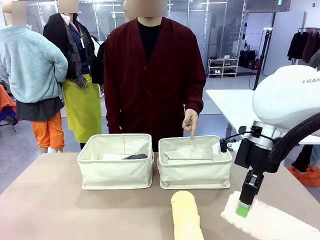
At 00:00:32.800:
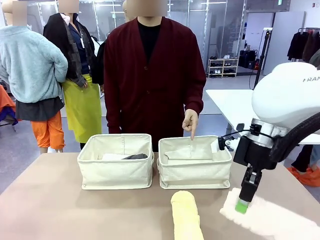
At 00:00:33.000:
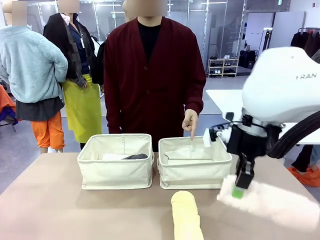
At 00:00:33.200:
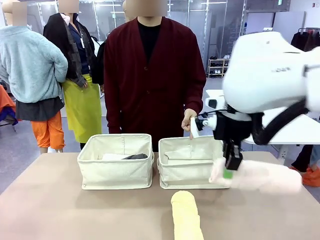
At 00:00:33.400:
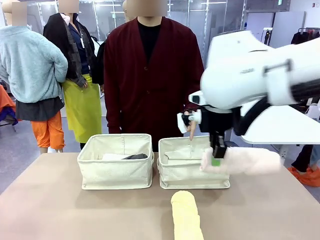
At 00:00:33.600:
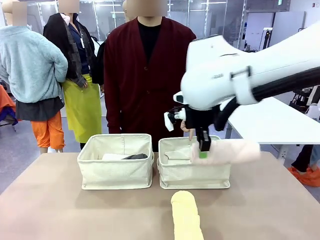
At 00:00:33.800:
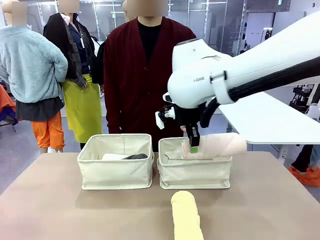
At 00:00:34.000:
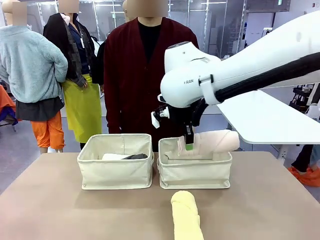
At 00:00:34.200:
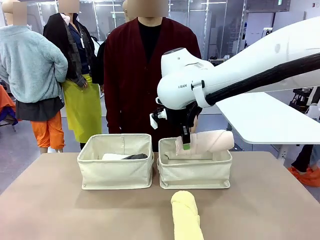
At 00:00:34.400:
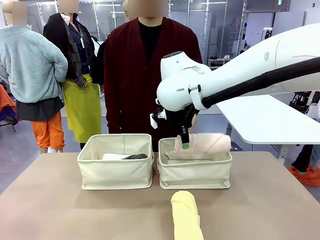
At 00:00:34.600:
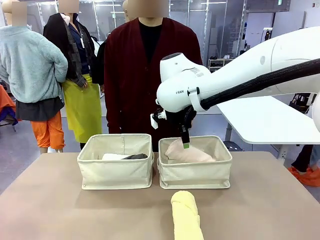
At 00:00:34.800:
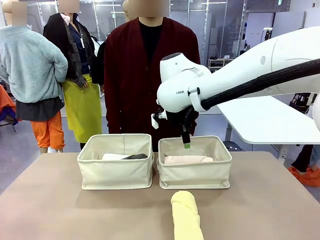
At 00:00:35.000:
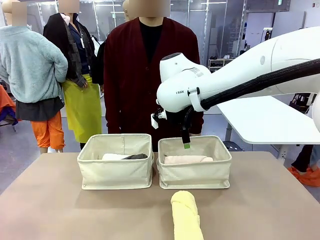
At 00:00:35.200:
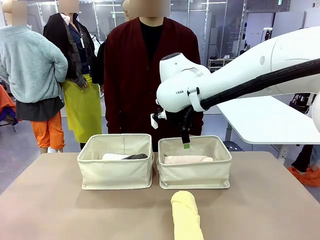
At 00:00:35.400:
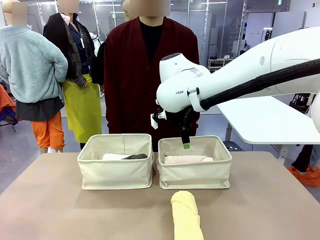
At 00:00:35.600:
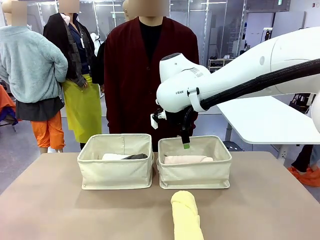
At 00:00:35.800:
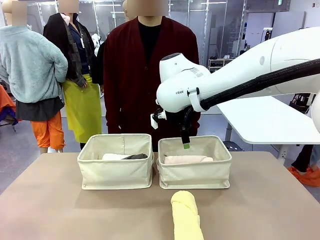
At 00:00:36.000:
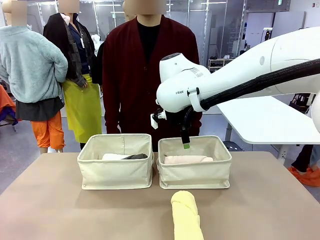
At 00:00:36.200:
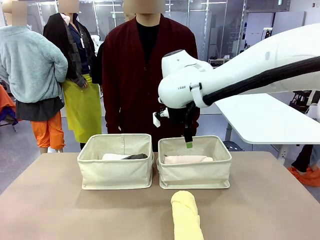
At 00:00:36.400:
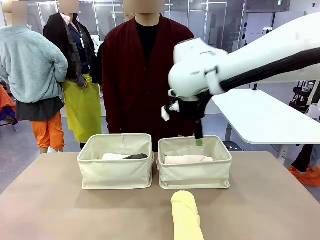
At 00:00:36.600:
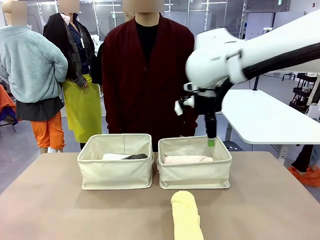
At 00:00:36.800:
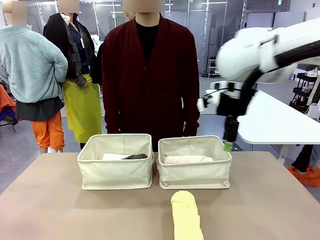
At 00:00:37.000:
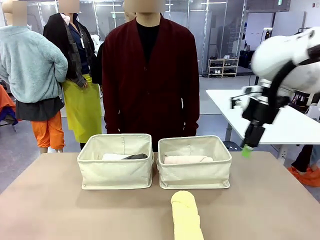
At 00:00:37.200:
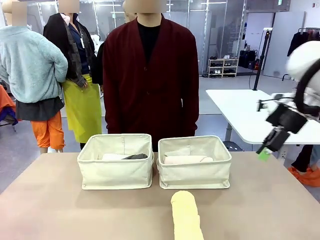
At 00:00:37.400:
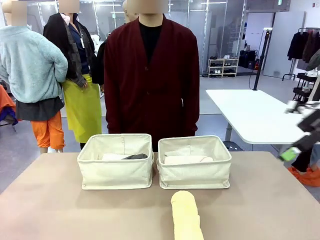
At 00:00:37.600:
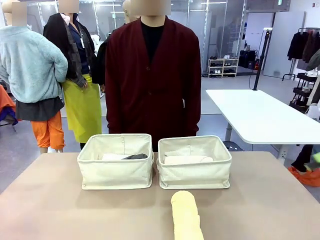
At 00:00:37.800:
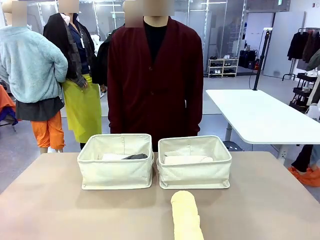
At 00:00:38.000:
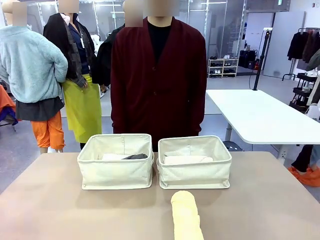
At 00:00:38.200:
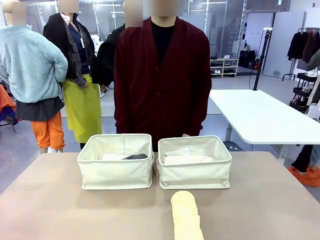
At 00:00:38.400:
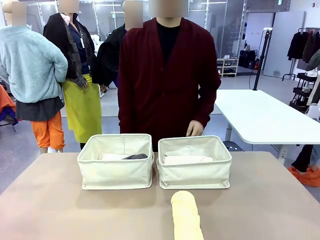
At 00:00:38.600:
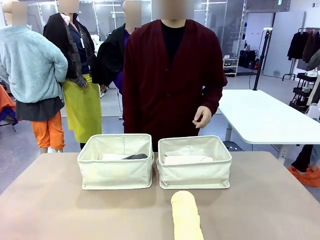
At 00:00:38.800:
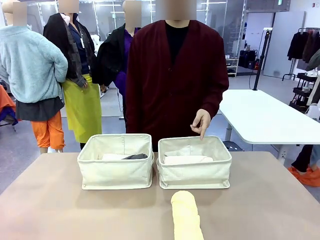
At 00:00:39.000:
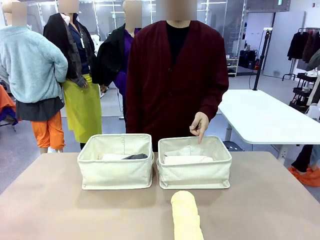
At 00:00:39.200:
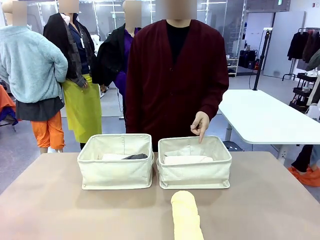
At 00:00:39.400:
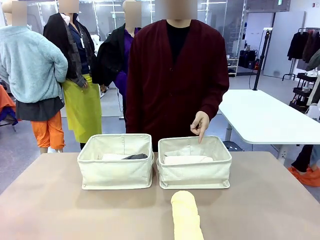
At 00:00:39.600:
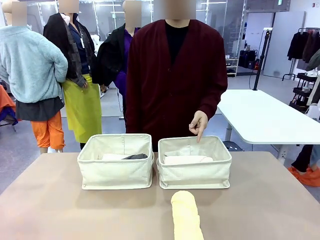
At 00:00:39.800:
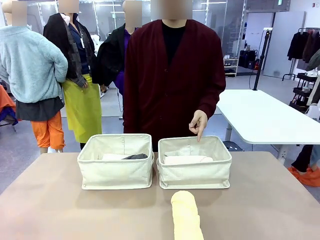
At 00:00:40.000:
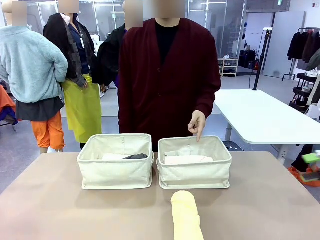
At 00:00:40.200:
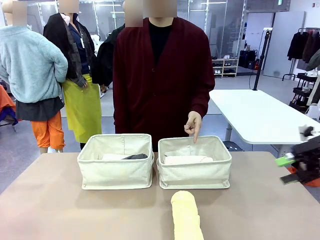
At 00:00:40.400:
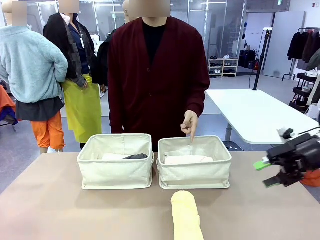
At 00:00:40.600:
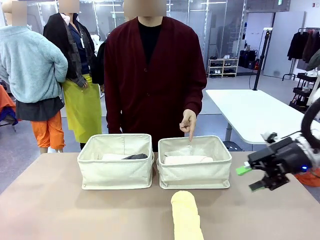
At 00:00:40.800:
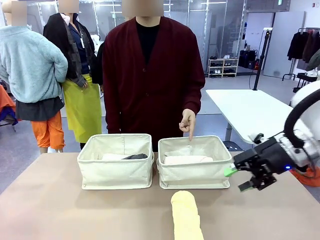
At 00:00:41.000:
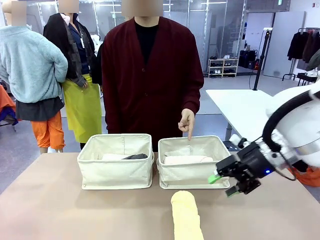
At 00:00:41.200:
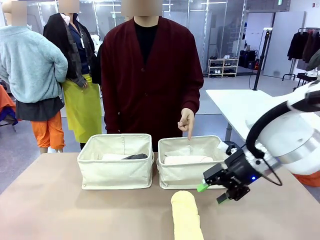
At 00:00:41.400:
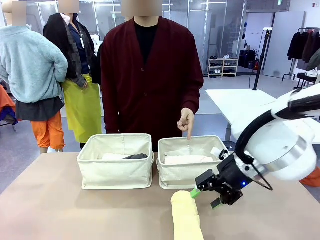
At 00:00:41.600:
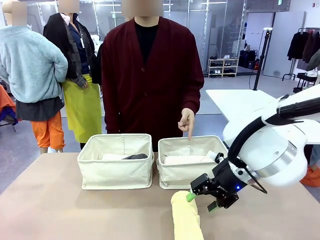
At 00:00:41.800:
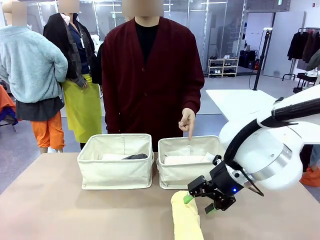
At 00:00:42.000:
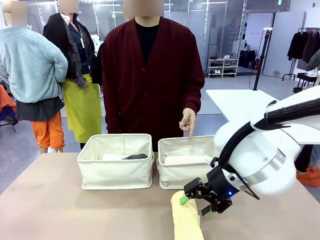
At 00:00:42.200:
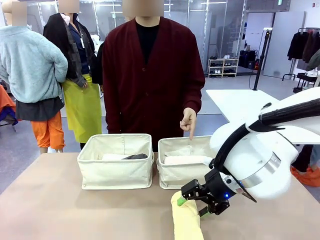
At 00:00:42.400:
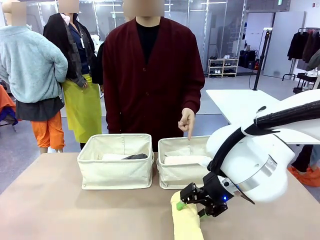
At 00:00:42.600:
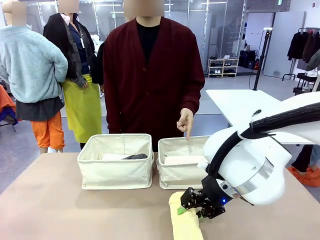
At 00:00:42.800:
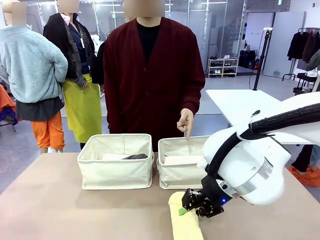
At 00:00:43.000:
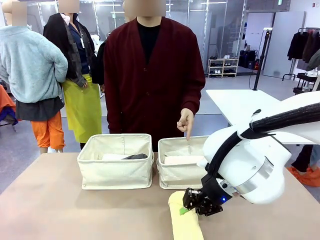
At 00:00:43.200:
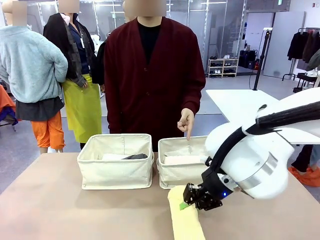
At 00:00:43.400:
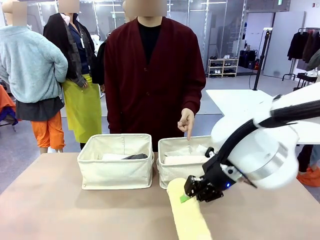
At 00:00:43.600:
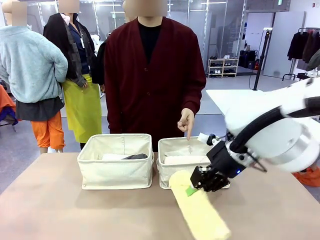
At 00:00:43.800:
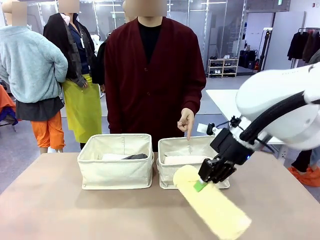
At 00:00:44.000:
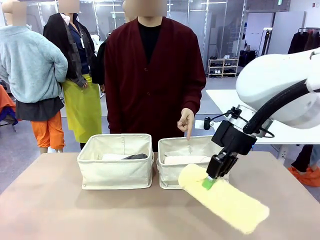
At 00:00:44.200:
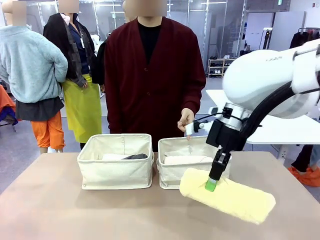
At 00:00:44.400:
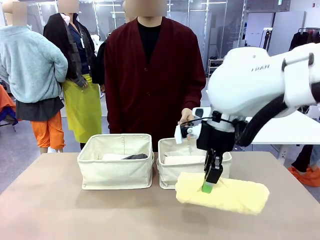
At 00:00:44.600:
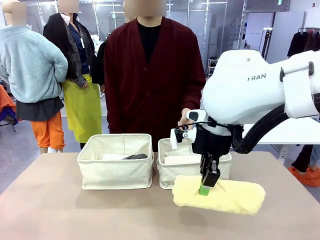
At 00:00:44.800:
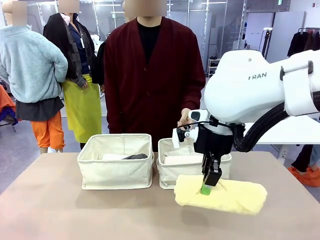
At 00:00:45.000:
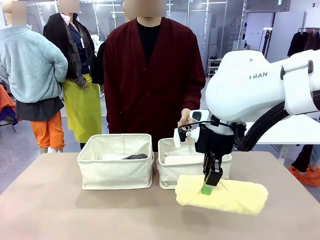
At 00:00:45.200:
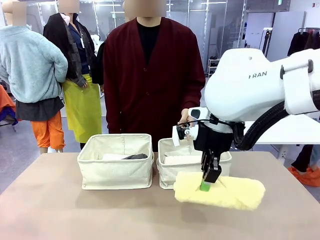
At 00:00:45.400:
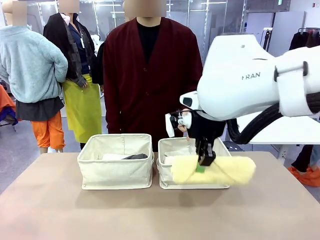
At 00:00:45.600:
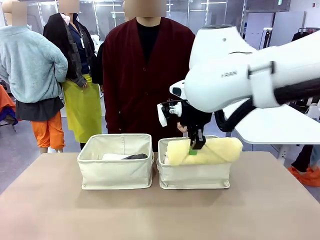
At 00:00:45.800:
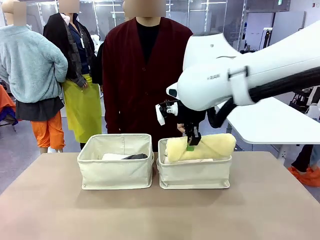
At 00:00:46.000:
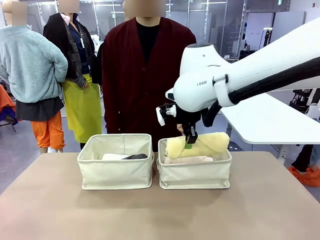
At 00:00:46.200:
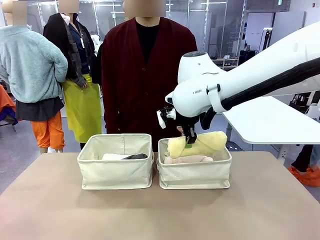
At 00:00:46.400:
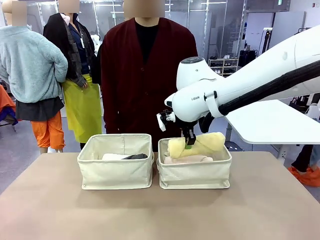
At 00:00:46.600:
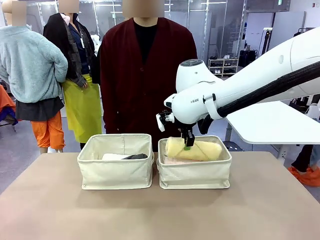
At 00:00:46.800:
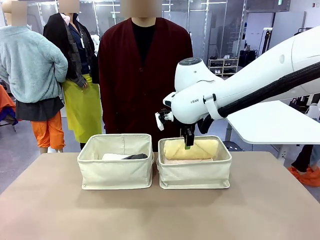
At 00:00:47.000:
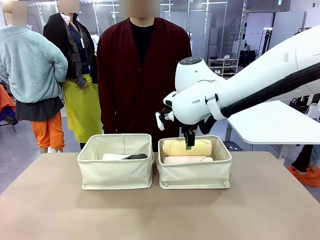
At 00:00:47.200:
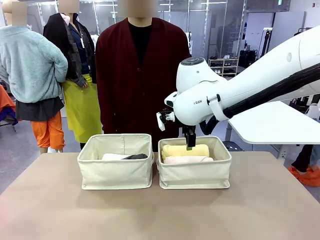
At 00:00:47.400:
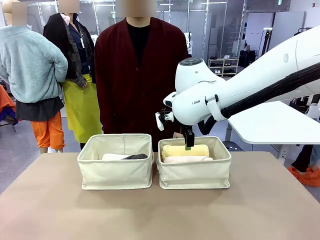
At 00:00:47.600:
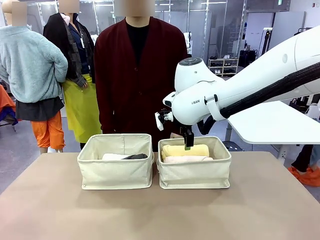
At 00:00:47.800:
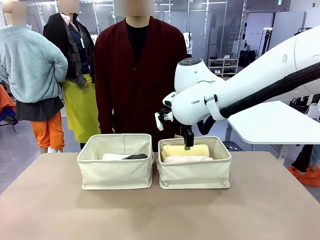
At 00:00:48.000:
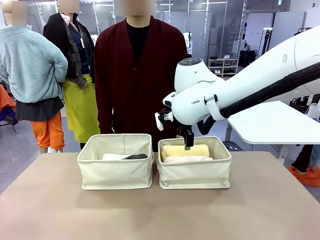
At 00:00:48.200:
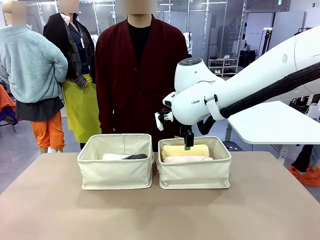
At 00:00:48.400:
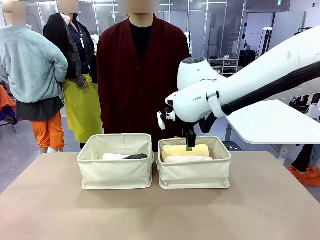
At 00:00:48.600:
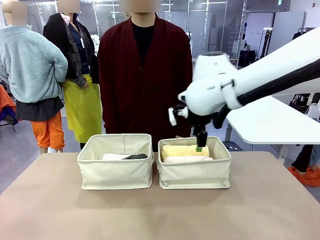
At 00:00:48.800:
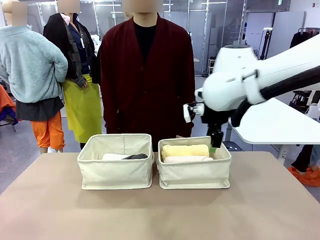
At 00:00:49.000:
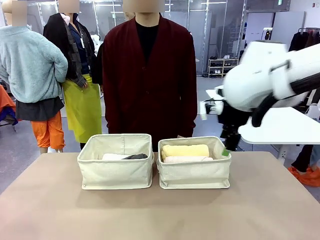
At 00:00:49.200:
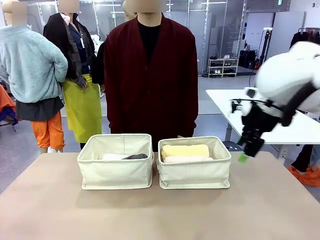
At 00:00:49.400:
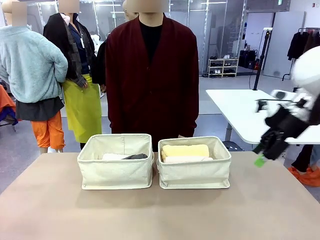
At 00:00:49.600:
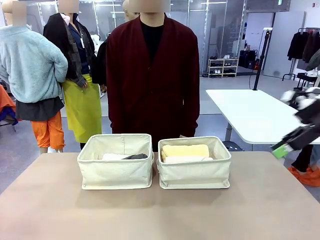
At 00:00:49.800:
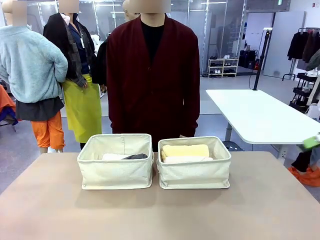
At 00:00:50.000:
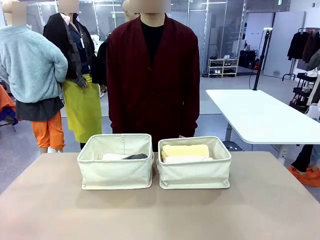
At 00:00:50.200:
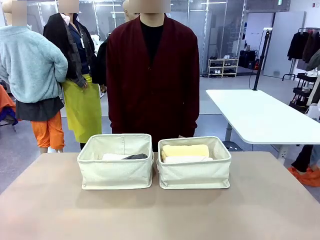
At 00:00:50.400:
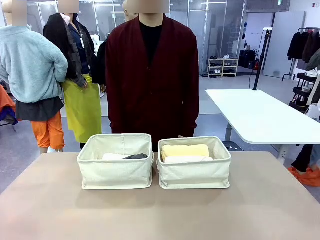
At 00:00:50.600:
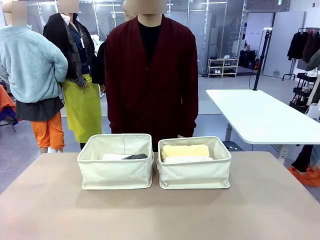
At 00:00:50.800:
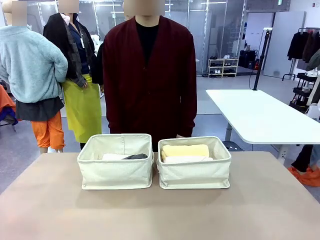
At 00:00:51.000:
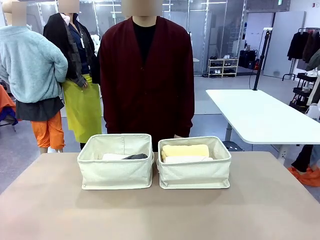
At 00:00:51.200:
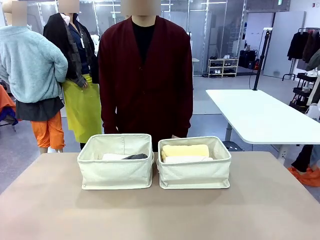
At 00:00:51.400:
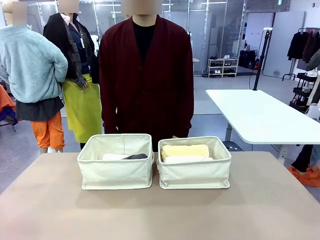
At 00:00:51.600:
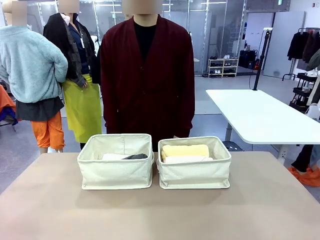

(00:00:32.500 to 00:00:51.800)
Task: Divide the towels into two baskets.
Robot: Pick up one hotel-folded towel from the bottom of the table and place it in the Fabric basket indicated by the person.
